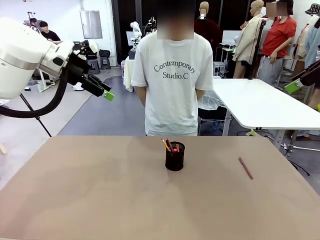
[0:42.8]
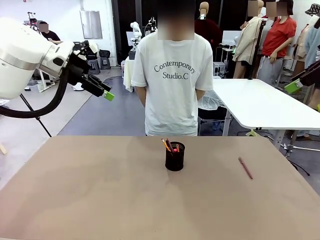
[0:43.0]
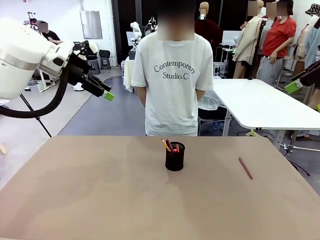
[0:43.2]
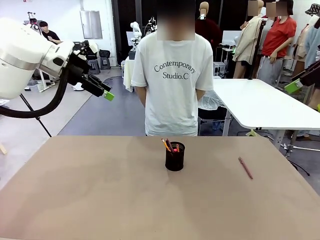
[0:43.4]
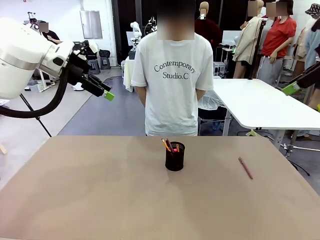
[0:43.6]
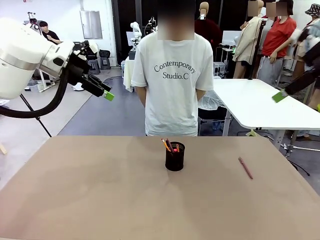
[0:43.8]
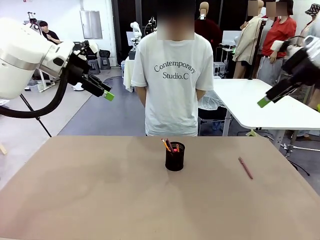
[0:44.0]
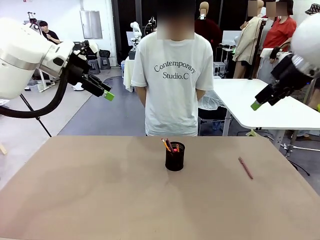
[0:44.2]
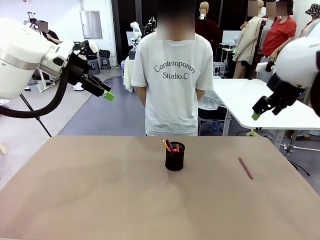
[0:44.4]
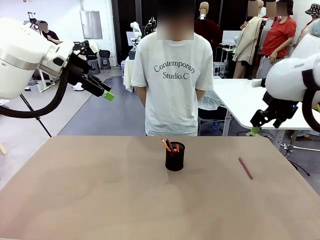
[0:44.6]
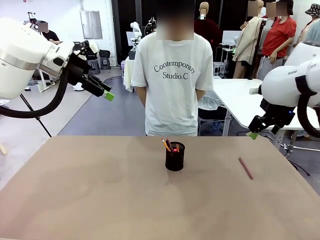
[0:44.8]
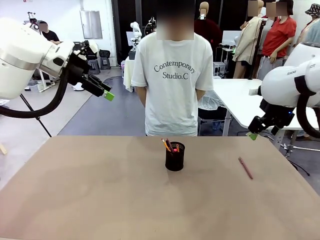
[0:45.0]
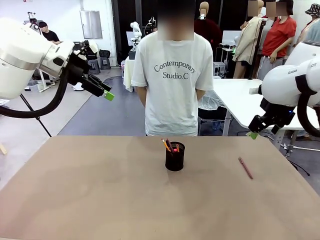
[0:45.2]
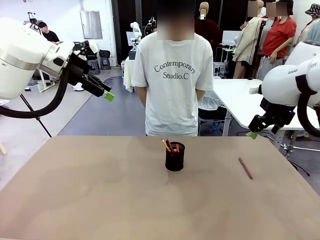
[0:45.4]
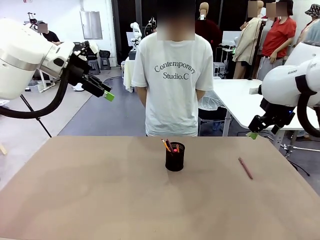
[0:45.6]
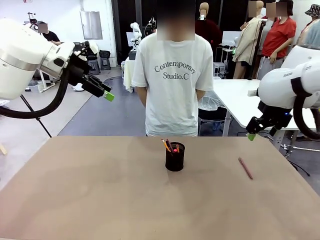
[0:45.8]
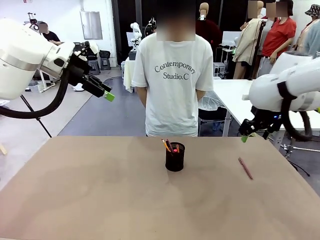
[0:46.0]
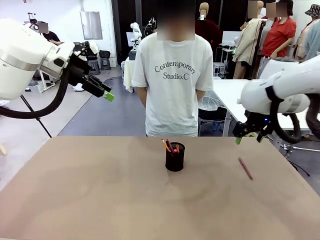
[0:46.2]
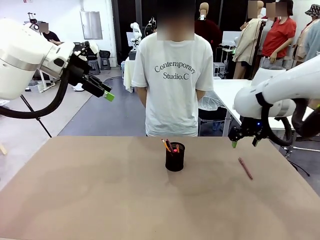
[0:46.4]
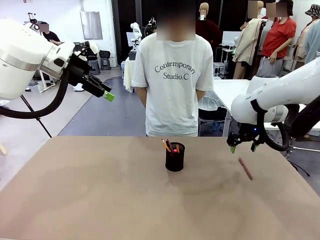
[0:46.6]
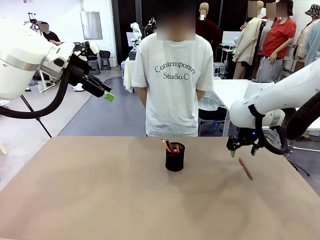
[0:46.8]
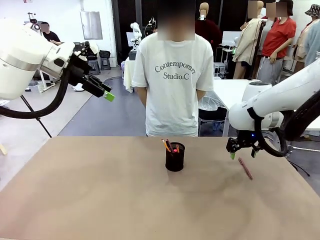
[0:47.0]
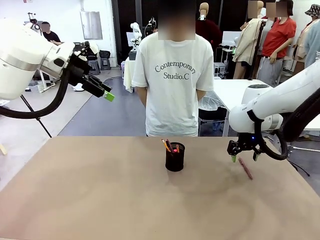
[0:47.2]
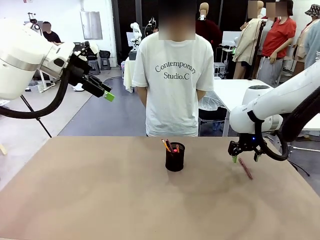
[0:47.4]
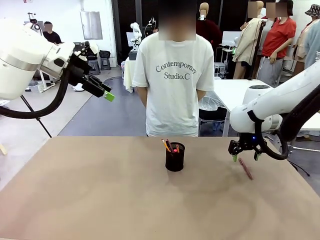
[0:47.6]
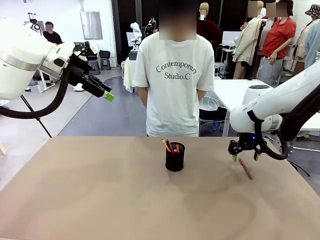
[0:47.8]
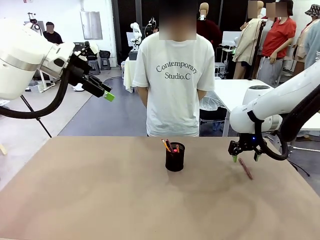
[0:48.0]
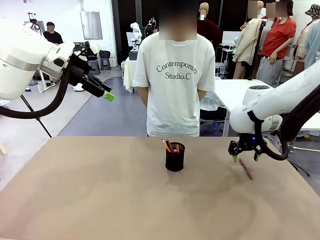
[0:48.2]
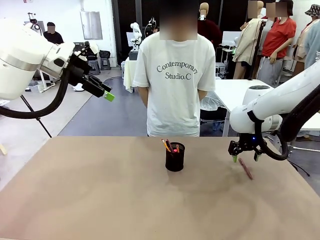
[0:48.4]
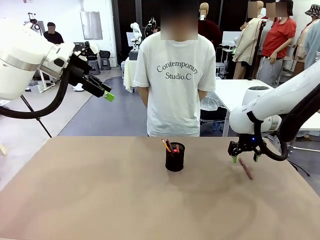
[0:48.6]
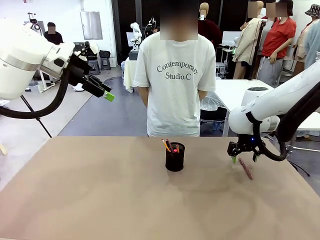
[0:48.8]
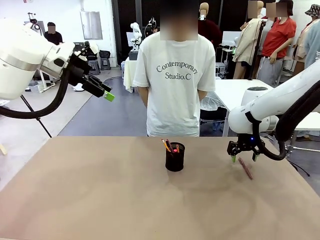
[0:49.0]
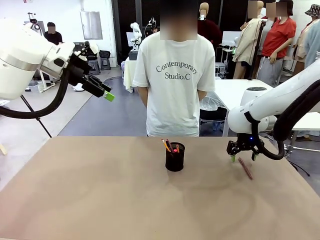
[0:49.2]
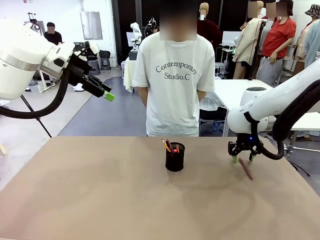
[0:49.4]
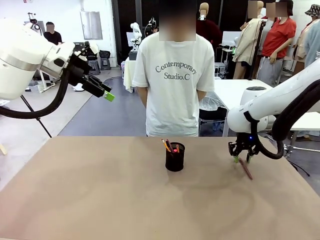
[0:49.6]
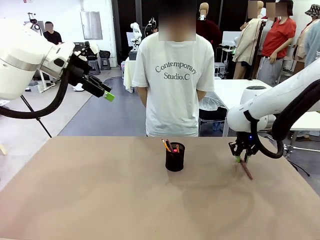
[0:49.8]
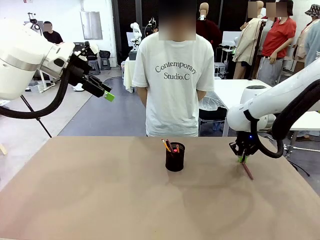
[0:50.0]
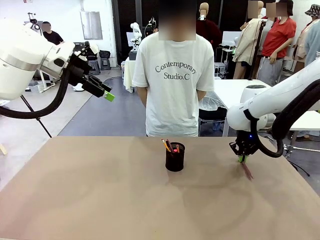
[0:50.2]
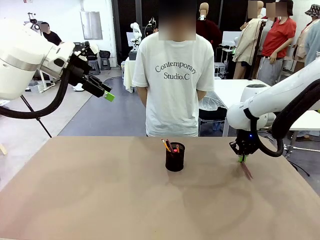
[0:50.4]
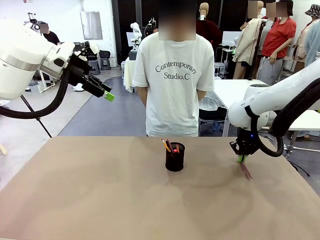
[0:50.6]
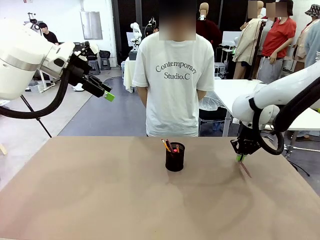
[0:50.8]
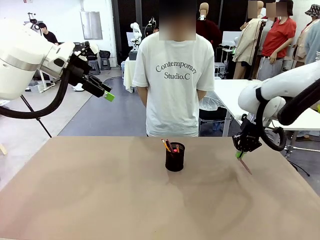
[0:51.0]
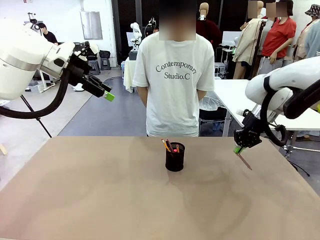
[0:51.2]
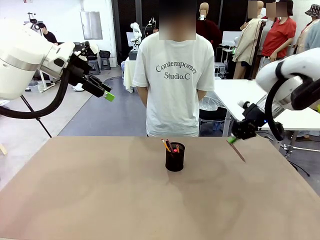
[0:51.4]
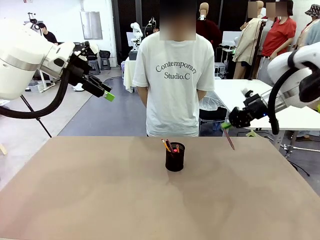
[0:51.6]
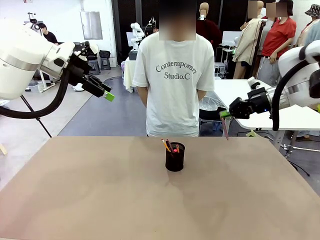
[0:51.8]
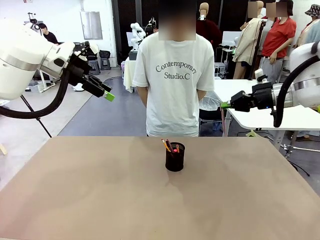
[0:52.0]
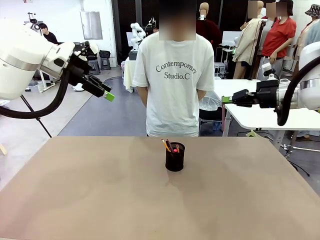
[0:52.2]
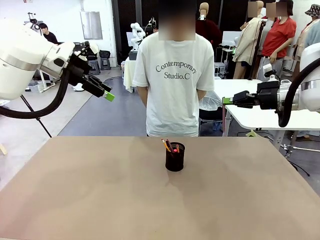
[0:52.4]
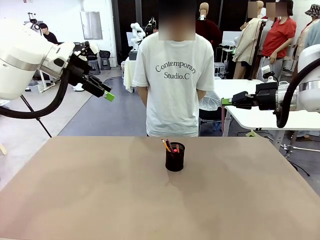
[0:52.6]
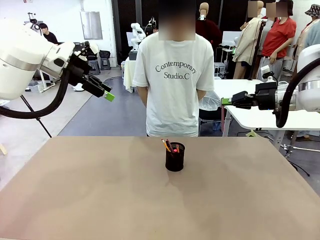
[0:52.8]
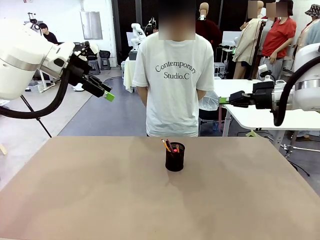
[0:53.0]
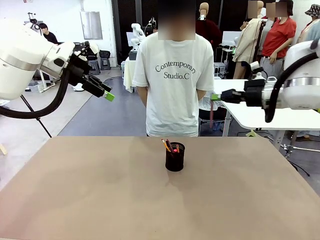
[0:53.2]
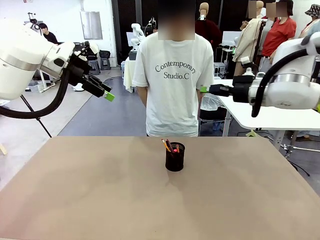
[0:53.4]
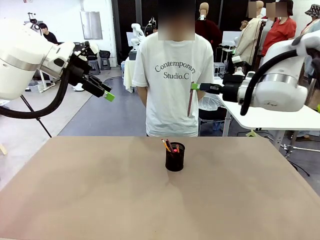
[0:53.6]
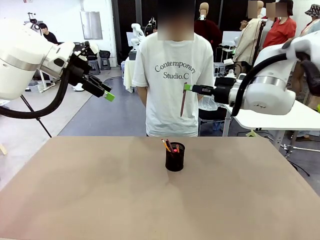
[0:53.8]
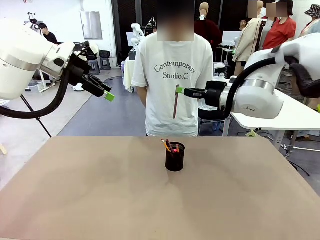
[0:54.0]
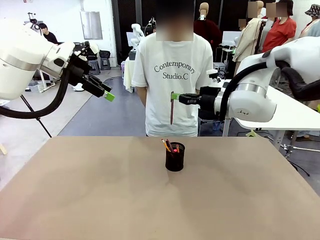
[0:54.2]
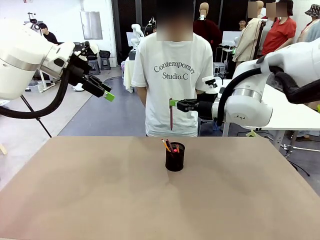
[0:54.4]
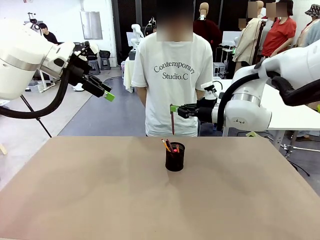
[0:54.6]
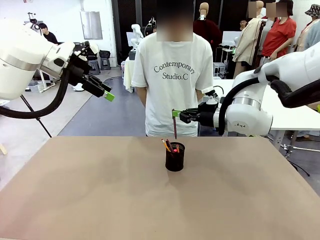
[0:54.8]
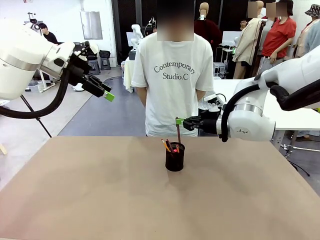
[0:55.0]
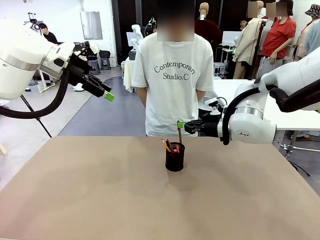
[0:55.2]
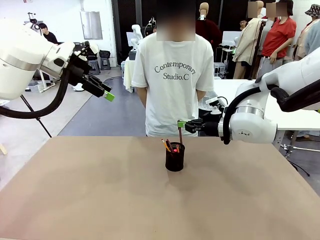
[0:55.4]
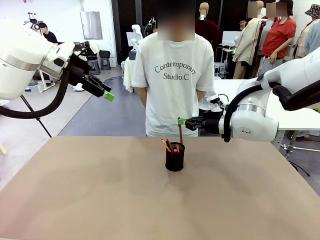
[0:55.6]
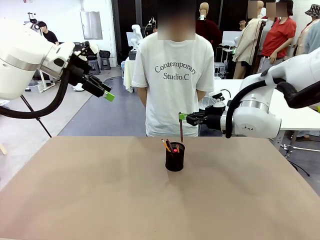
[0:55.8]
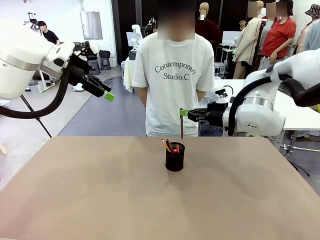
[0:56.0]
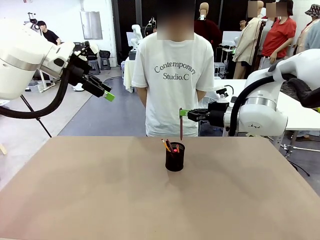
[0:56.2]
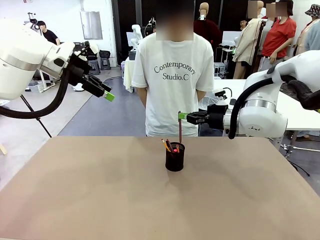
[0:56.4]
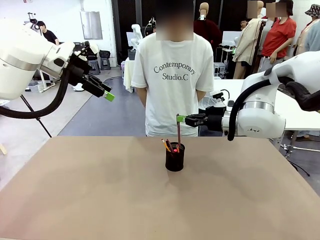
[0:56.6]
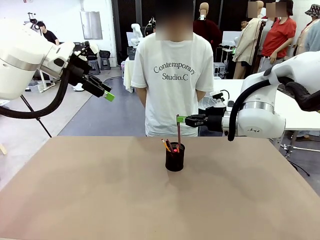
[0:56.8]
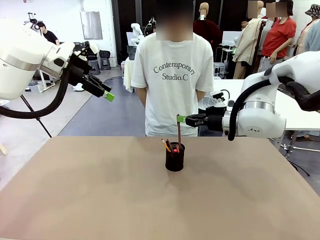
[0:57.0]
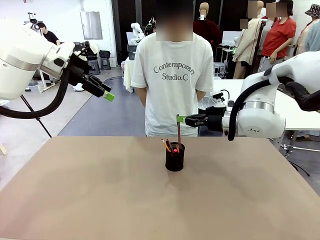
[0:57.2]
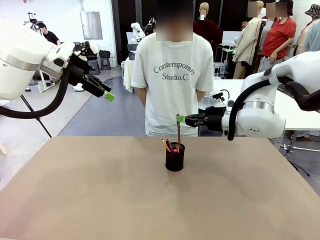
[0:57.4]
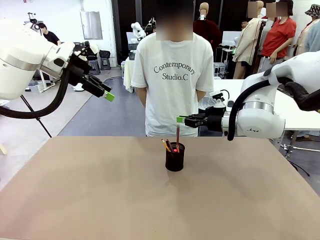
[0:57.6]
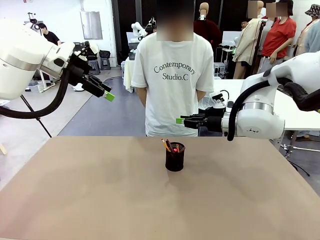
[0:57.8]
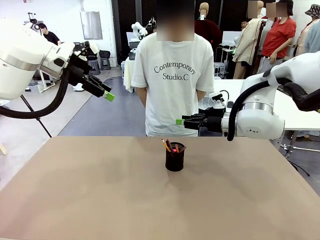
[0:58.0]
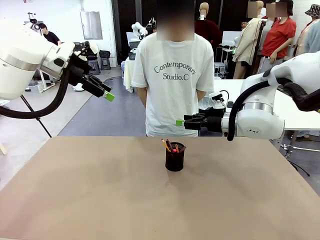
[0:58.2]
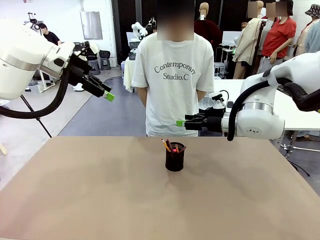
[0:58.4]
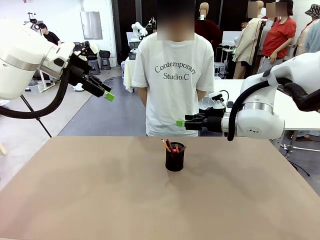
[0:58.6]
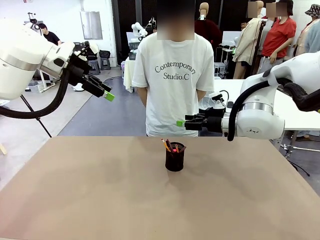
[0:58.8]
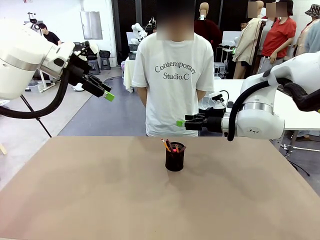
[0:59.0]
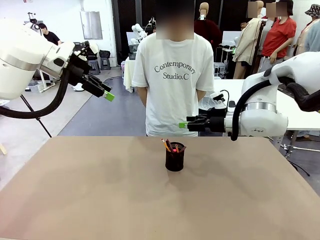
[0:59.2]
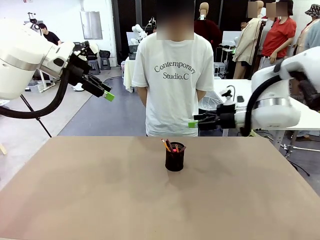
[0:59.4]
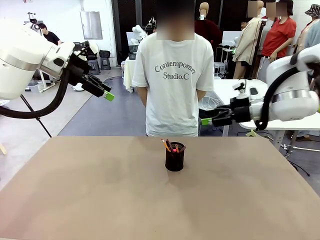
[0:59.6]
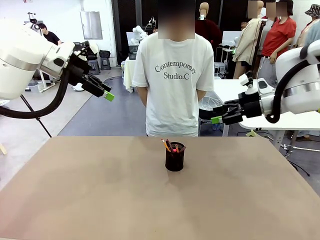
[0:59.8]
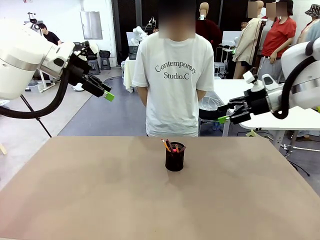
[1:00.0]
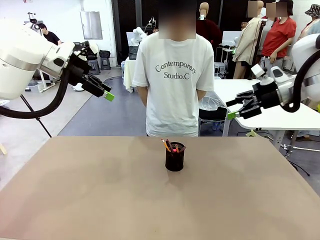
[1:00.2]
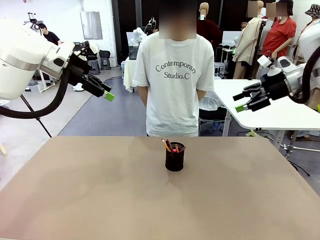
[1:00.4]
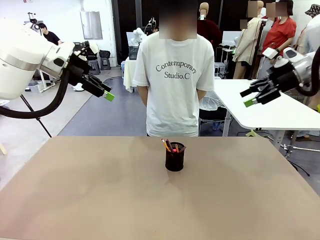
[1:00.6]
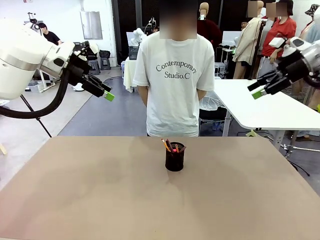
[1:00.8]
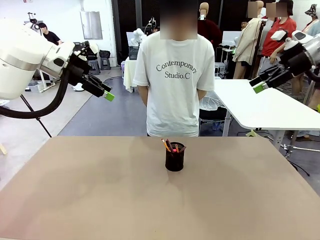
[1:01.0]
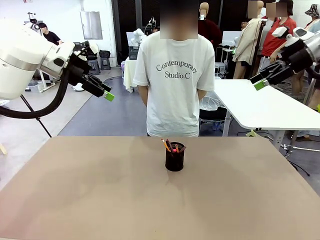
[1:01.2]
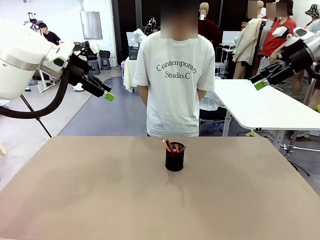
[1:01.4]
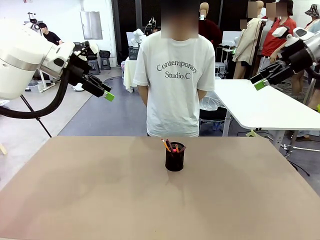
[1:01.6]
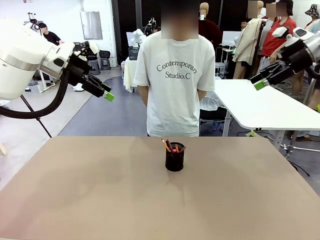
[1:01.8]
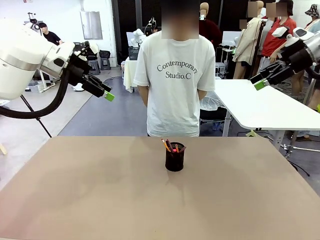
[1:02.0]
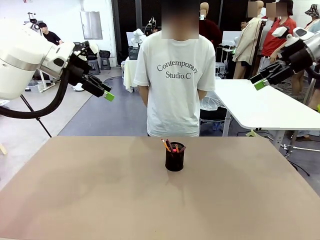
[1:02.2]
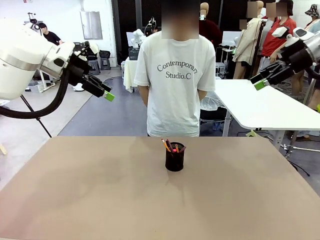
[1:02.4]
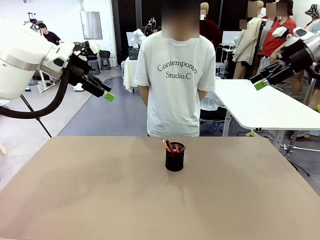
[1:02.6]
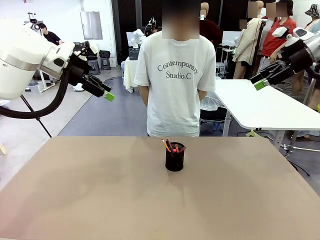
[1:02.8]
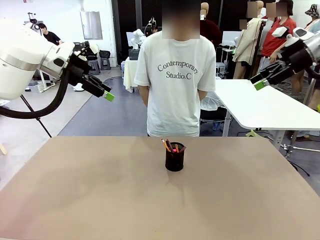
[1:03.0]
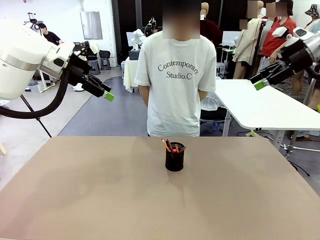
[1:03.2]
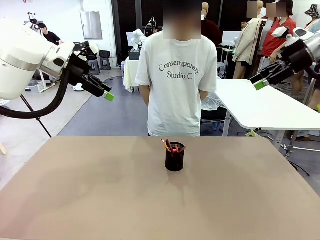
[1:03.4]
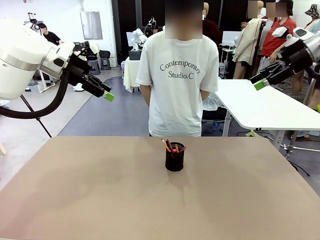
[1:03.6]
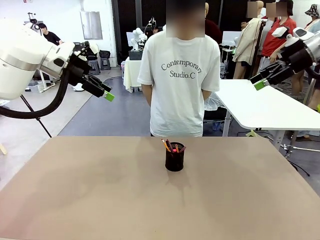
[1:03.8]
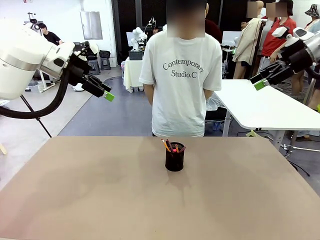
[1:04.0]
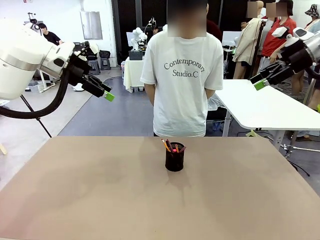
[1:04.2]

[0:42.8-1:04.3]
Task: Place the pens into the pen holder.
Robot: Pick up a writing instrument from the table and place it into the Pen holder.
